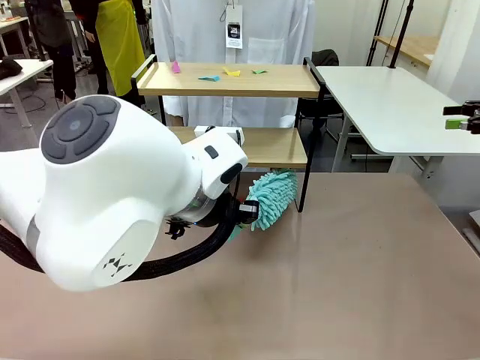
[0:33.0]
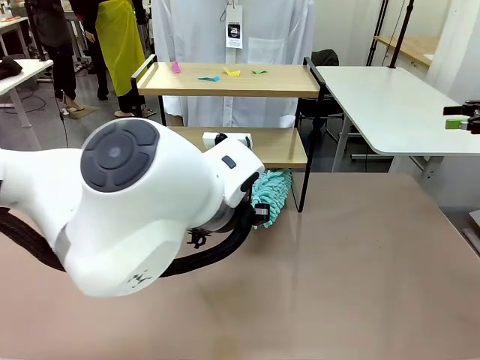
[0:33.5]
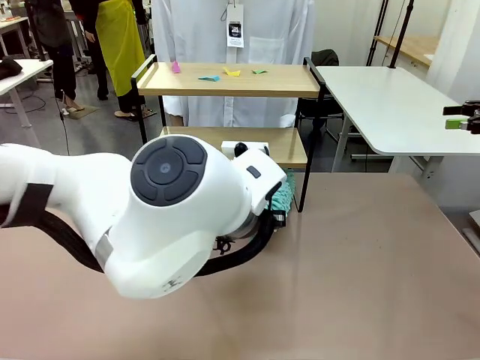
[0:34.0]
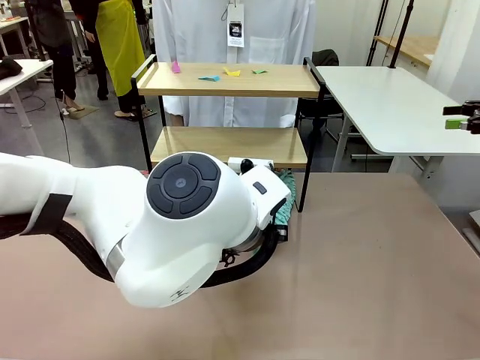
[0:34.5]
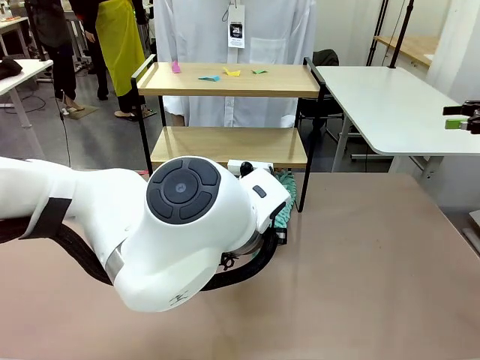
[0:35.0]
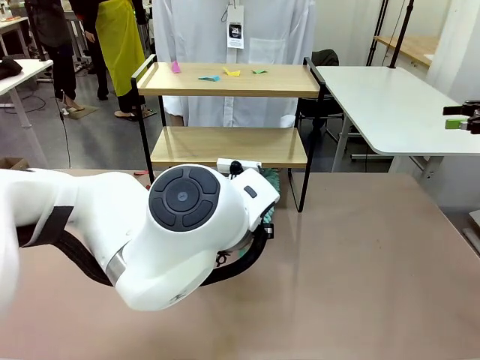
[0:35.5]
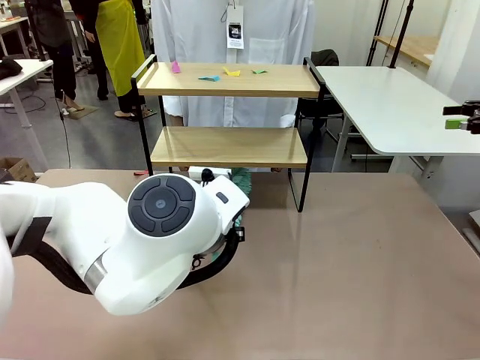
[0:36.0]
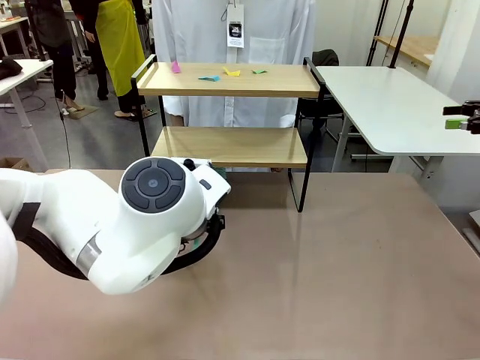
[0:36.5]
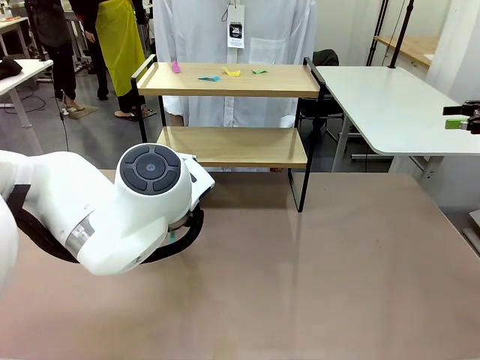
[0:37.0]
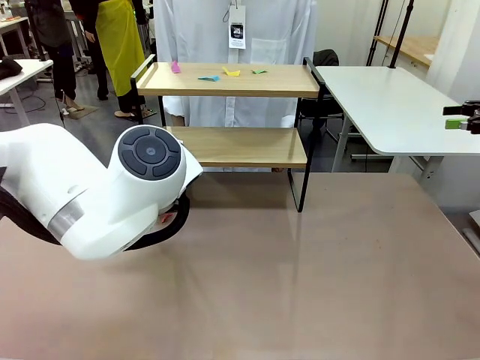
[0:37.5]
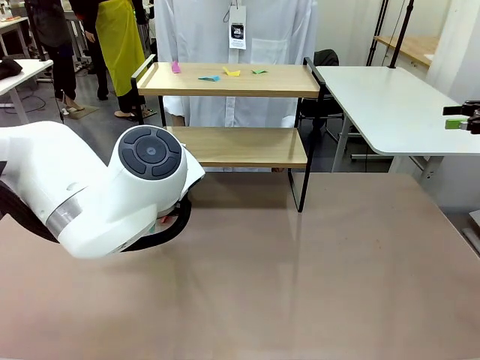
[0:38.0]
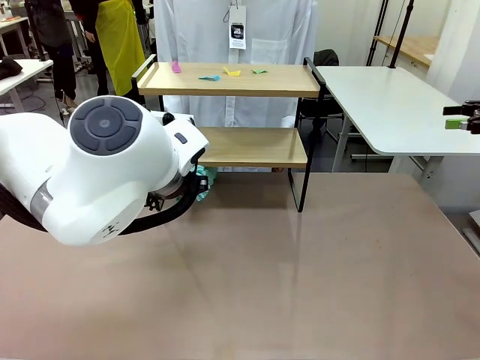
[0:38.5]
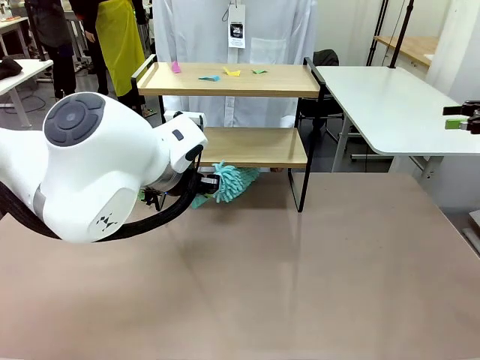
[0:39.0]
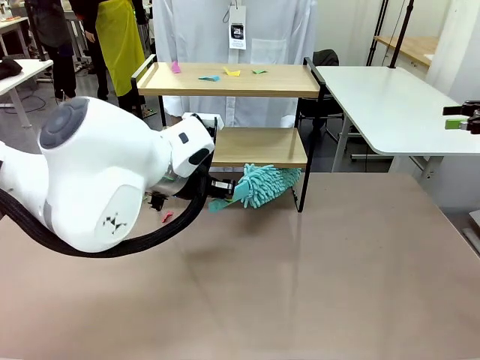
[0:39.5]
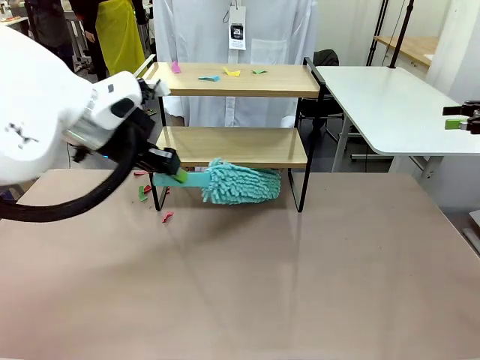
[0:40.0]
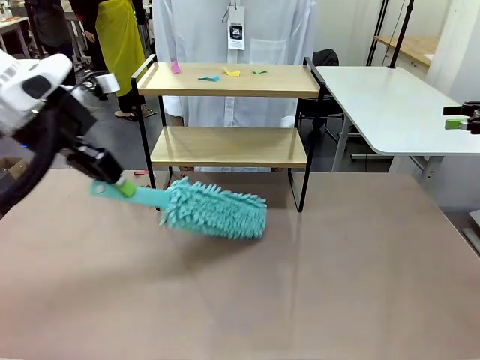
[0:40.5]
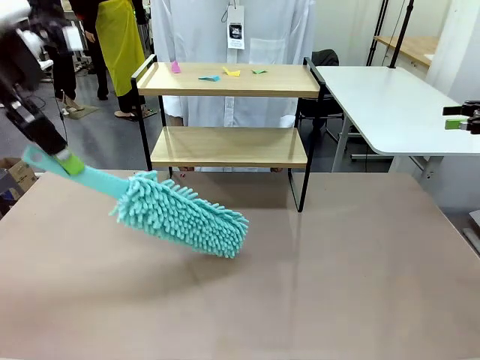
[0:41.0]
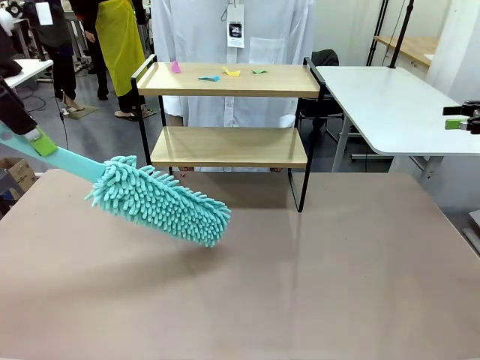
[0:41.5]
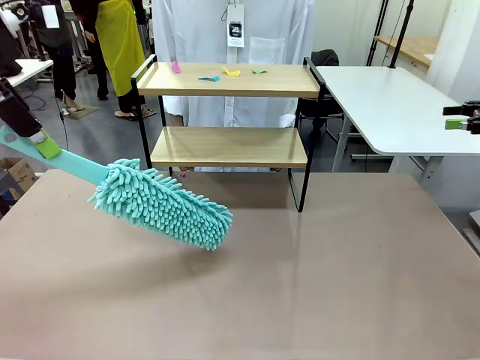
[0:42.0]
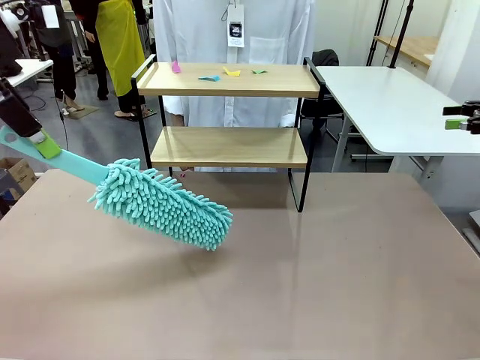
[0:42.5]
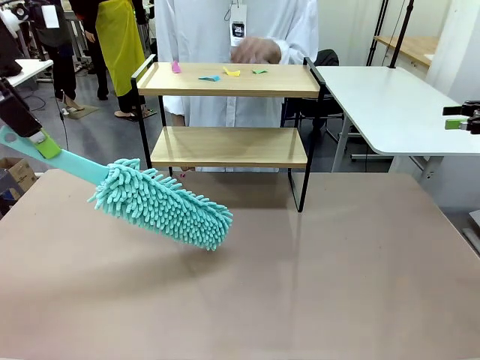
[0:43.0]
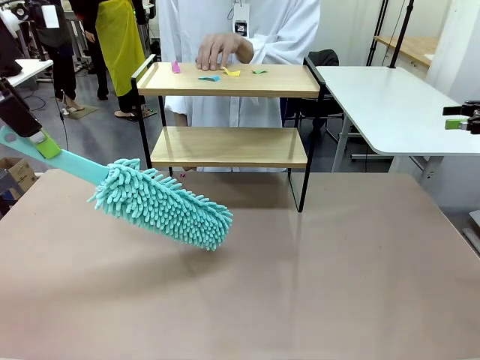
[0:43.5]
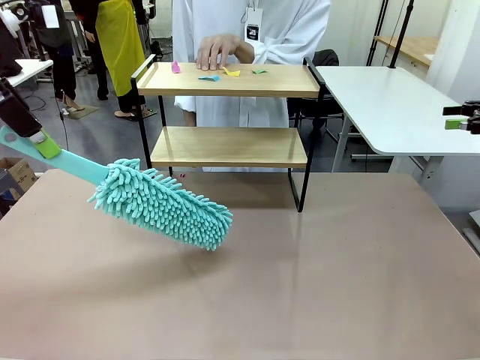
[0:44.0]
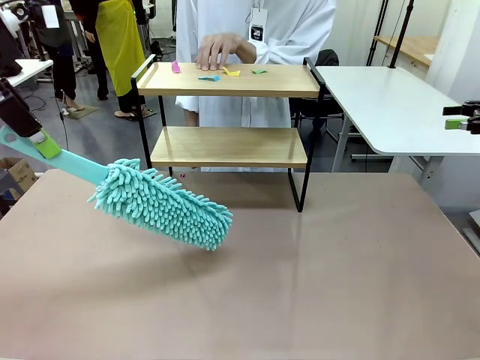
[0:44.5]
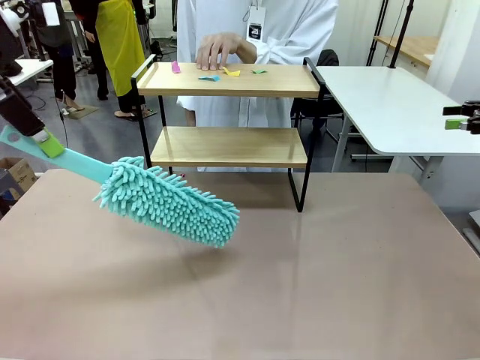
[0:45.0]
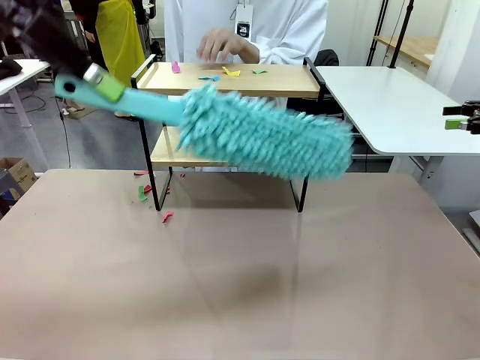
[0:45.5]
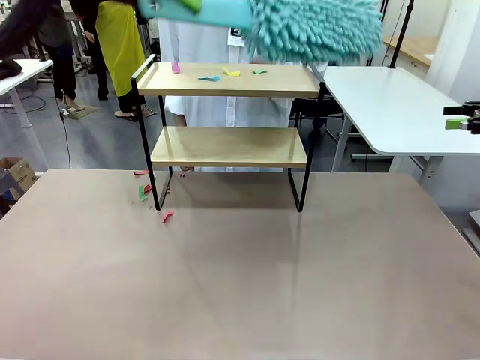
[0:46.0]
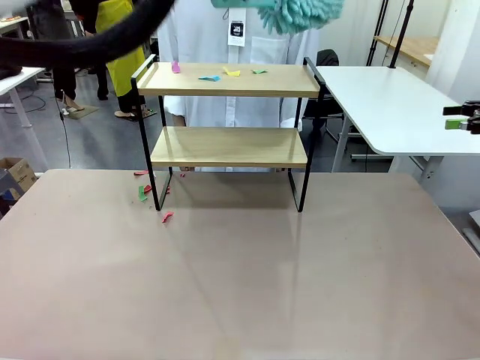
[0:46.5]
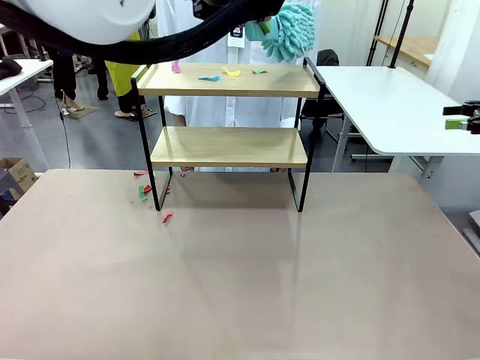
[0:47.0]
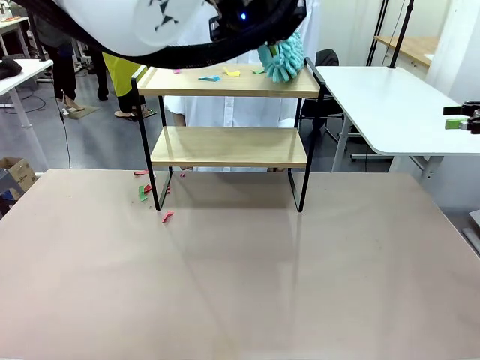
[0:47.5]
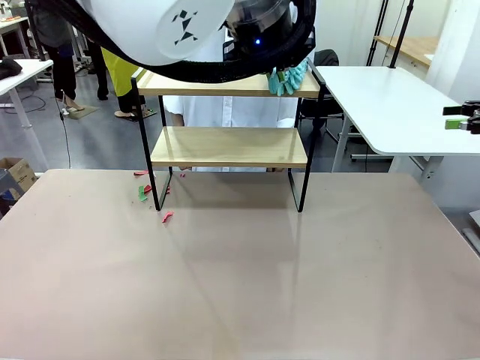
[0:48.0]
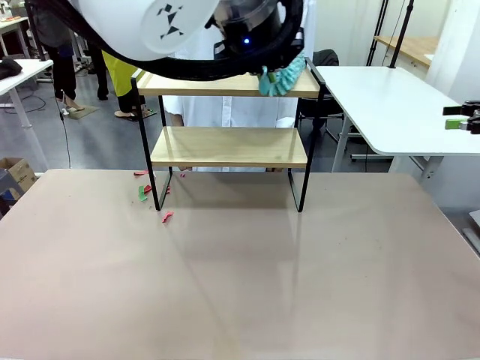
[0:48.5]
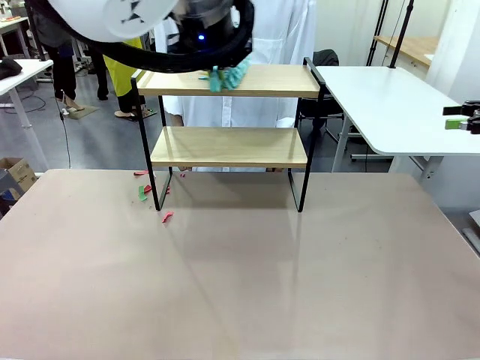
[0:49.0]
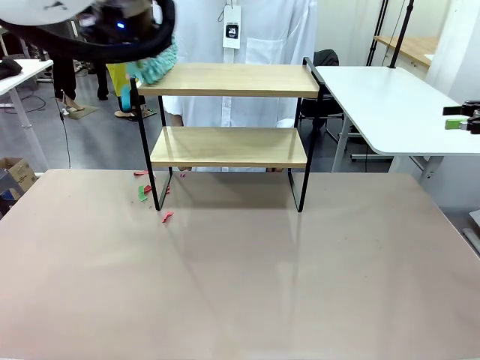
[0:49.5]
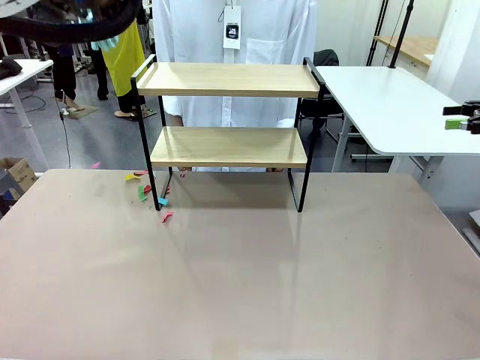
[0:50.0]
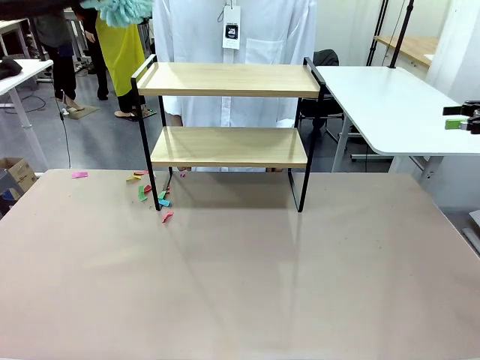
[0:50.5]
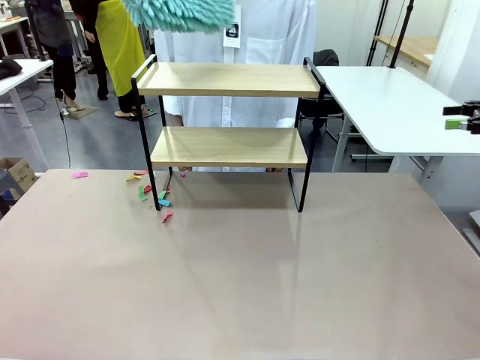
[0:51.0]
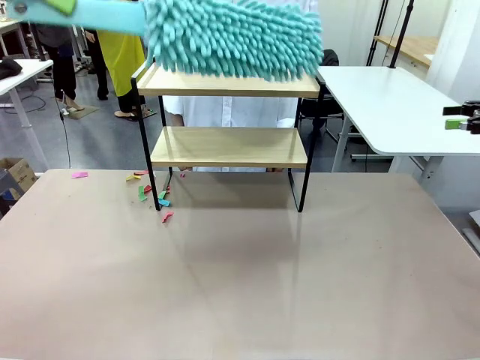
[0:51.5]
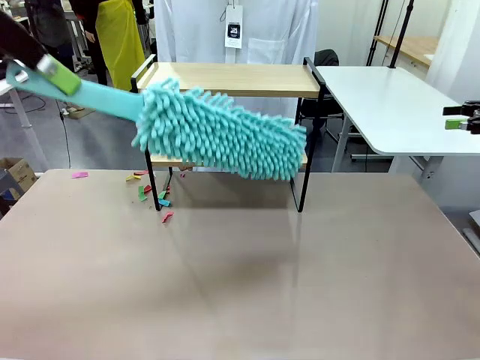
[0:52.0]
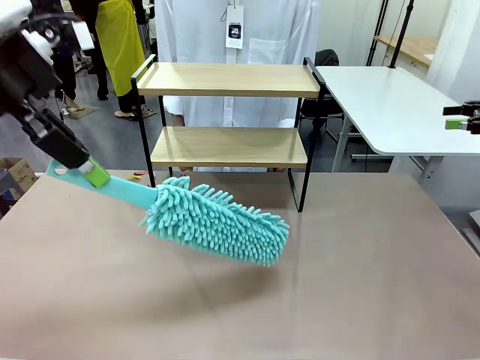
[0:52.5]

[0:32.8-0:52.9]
Task: Clean the shelf.
Robot: Clean the specific section of the Shelf indicated by the human with the Duster.
Person: Point a remaining section of the Shelf.
